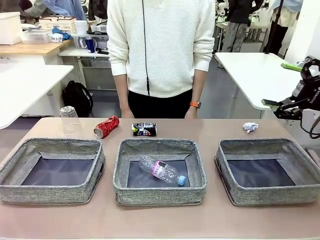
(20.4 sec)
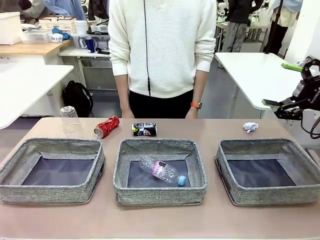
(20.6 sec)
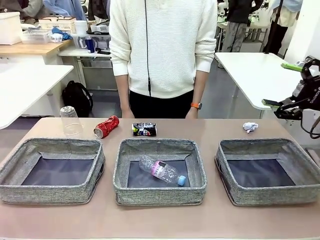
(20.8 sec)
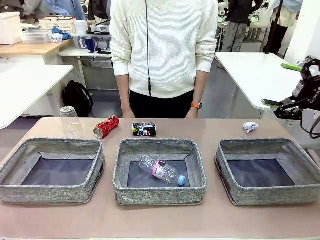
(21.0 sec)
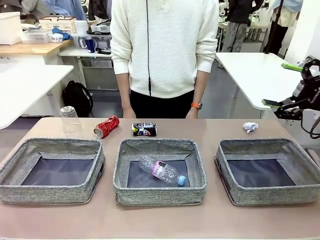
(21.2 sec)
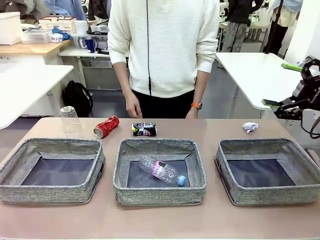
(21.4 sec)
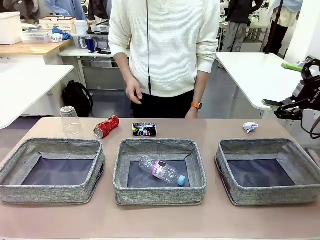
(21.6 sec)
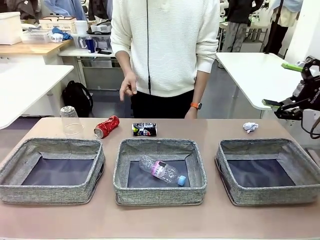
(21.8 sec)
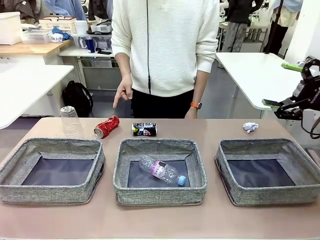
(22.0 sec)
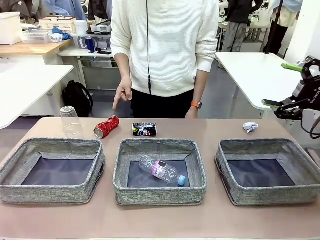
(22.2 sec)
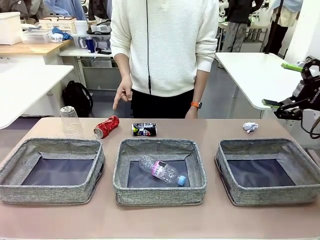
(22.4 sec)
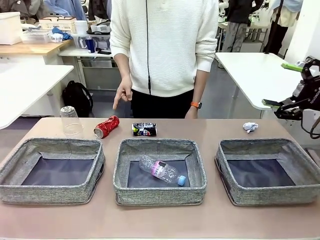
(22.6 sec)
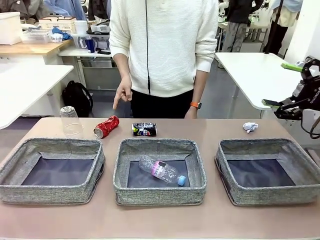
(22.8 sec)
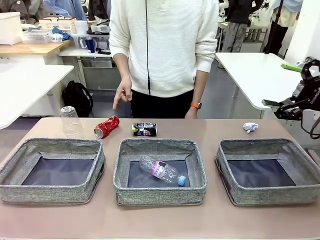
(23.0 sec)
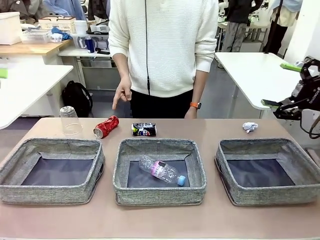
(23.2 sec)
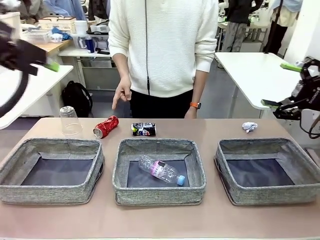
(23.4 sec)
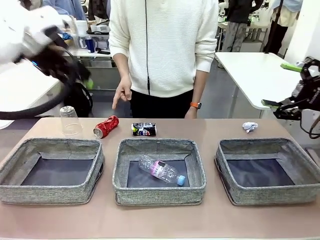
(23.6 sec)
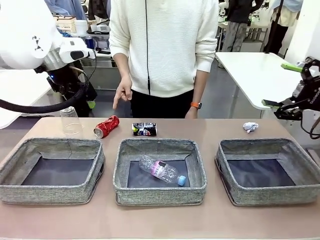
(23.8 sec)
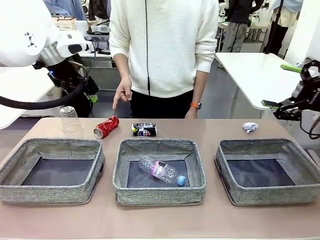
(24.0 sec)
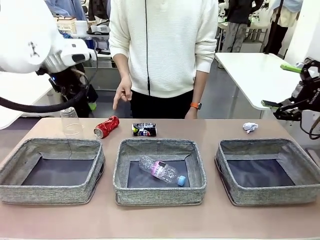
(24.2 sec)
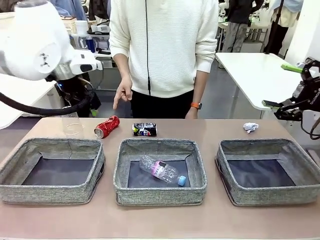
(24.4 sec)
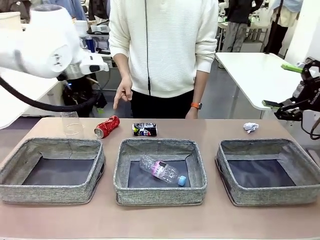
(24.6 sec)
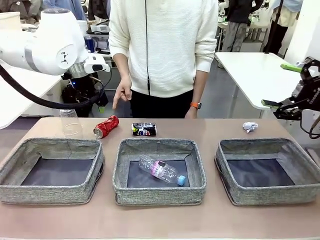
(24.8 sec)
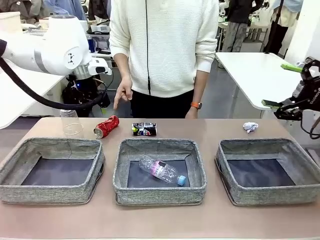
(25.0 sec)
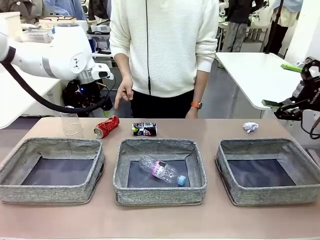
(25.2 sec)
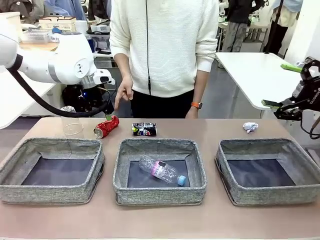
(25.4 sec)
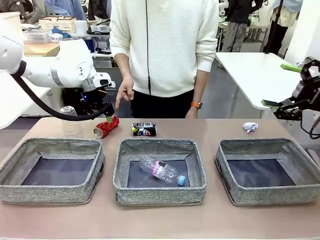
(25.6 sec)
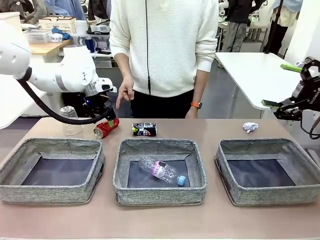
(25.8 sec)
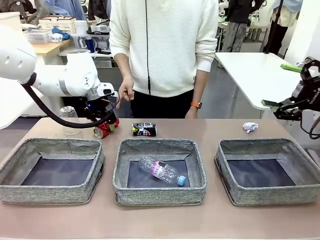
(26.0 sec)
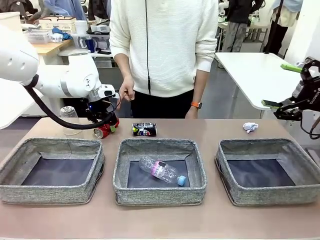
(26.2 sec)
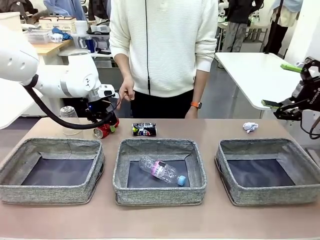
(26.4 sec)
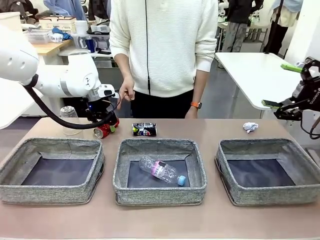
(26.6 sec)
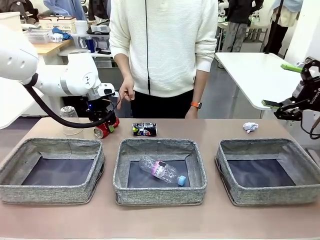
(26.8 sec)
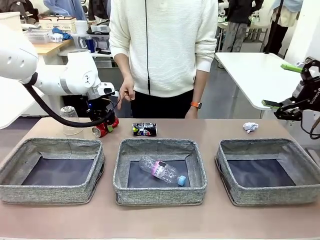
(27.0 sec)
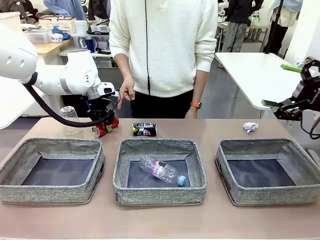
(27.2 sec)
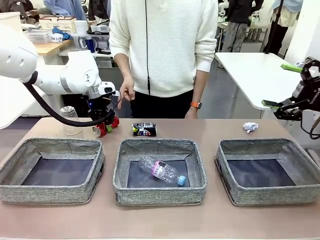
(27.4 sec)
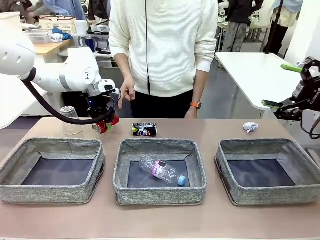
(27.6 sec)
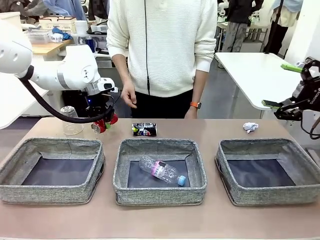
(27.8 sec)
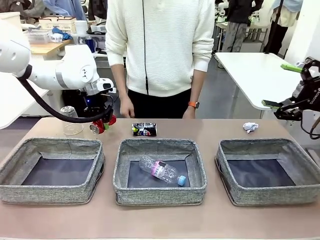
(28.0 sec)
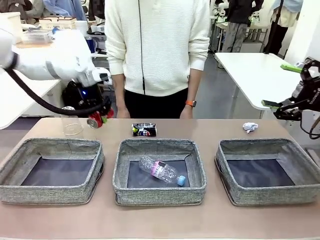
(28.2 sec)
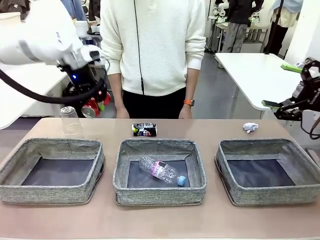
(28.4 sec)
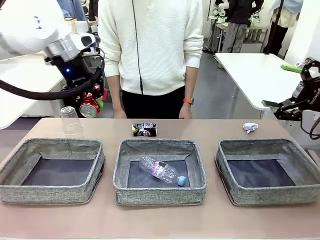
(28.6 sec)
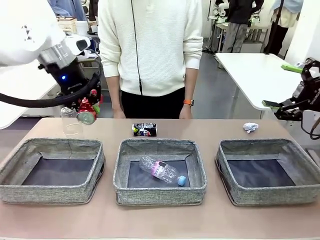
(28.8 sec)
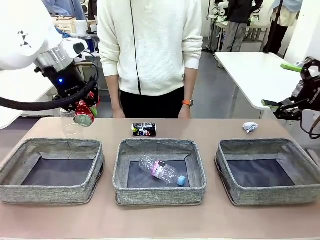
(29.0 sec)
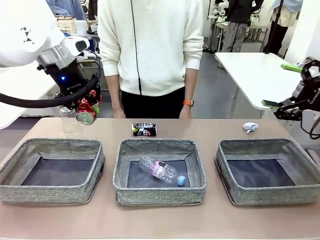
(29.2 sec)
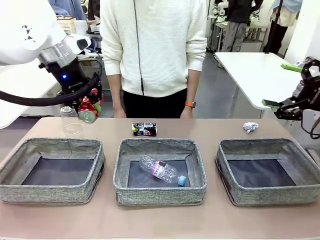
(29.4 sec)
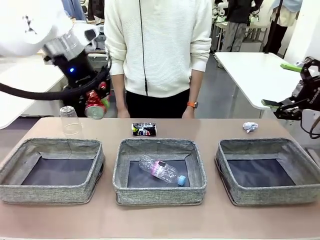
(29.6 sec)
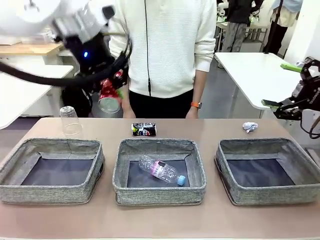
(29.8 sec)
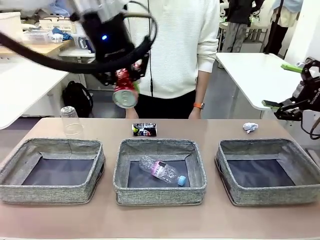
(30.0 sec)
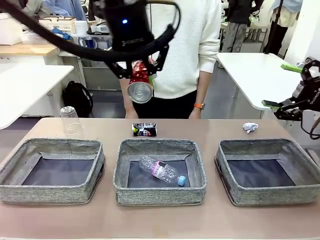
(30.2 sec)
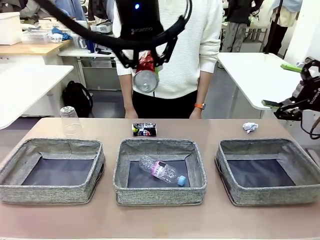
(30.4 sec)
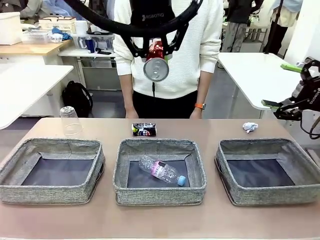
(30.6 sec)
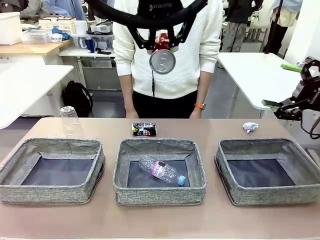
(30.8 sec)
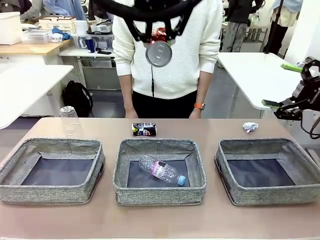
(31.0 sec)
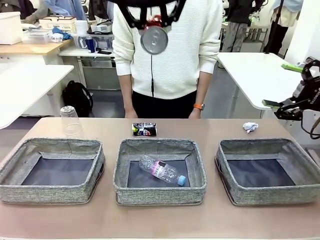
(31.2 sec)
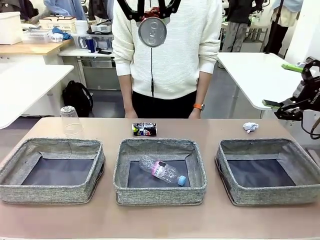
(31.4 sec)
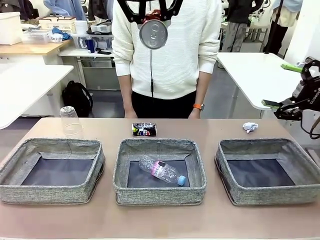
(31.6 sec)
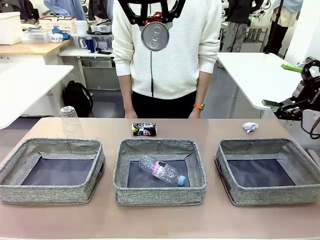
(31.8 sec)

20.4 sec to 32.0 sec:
Task: Sort the waste into the appropriate baskets.
Robot: Pick up the waste item pointed out by the person.
Person: Points to one piece of trash on the table.

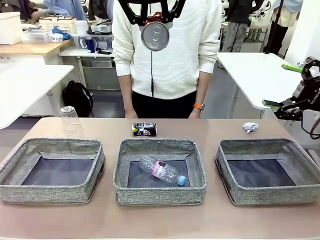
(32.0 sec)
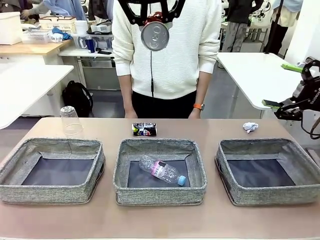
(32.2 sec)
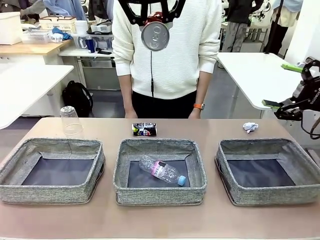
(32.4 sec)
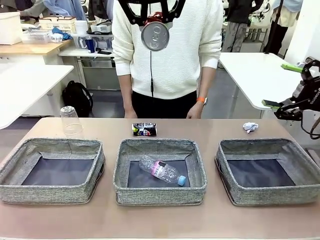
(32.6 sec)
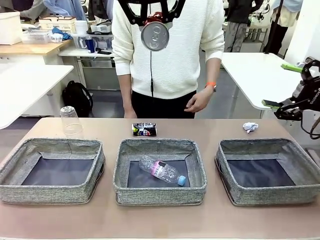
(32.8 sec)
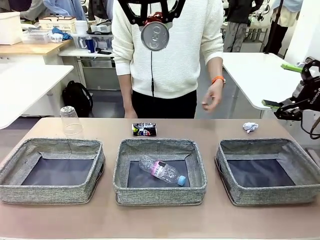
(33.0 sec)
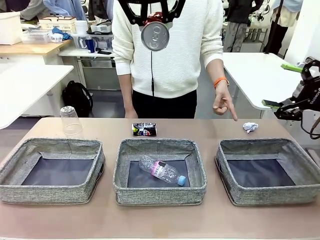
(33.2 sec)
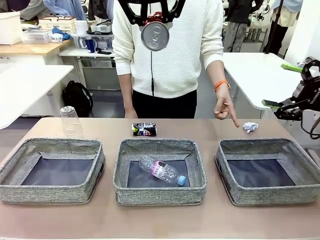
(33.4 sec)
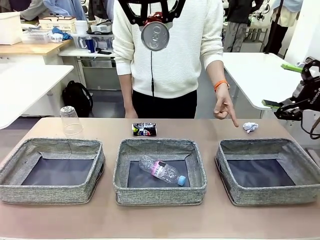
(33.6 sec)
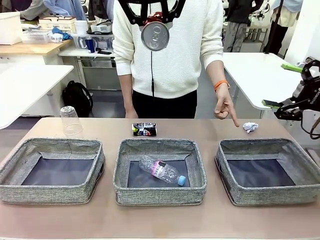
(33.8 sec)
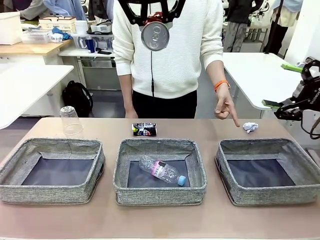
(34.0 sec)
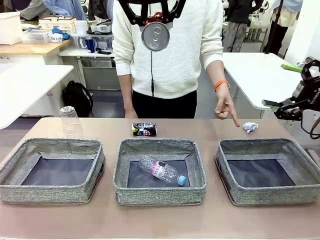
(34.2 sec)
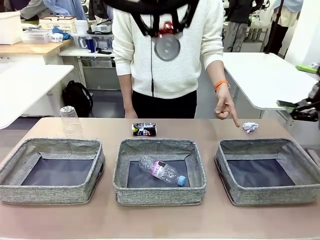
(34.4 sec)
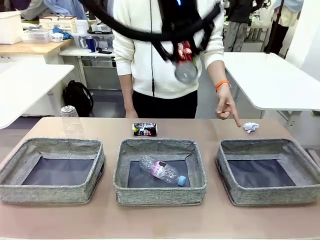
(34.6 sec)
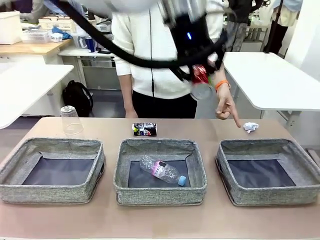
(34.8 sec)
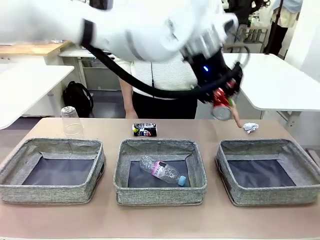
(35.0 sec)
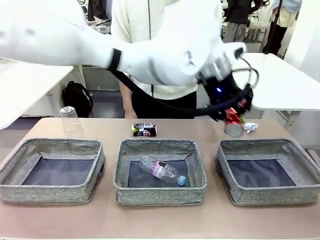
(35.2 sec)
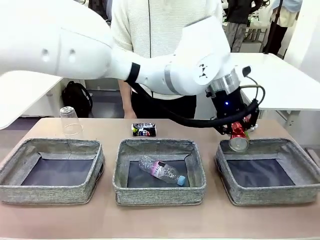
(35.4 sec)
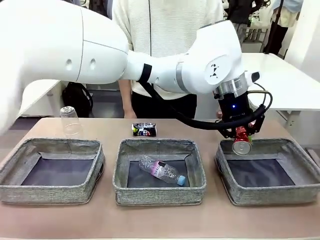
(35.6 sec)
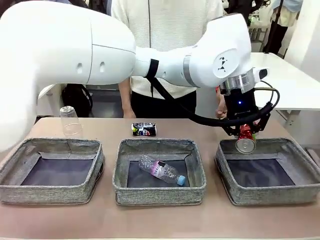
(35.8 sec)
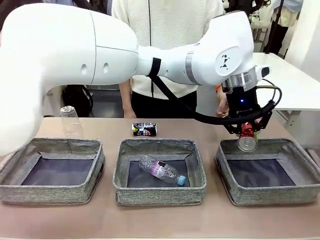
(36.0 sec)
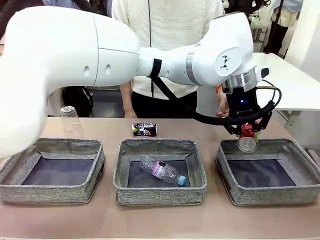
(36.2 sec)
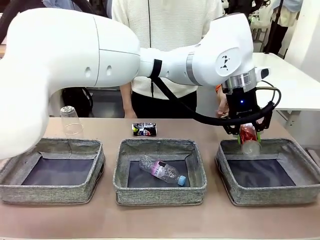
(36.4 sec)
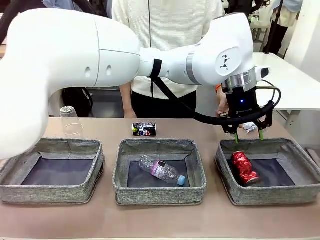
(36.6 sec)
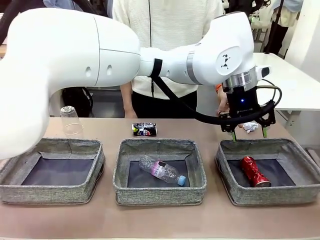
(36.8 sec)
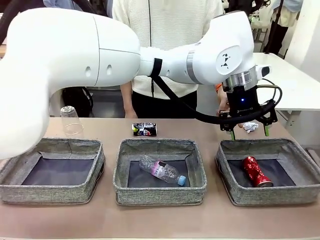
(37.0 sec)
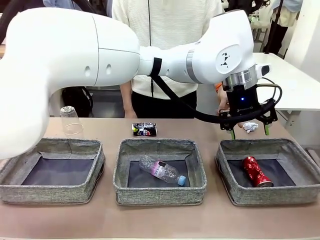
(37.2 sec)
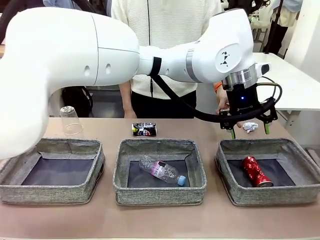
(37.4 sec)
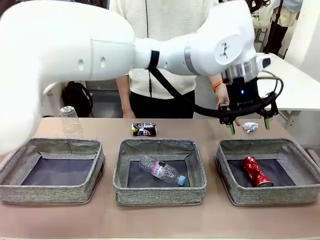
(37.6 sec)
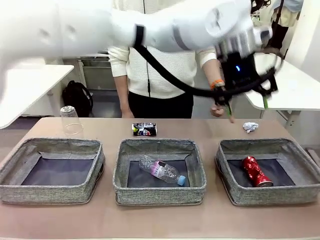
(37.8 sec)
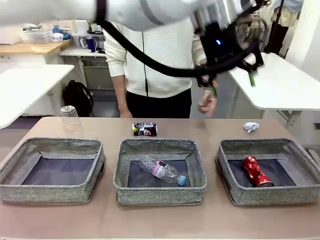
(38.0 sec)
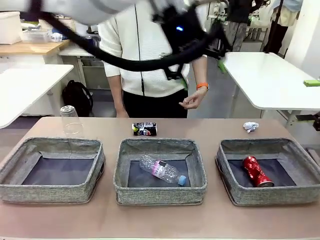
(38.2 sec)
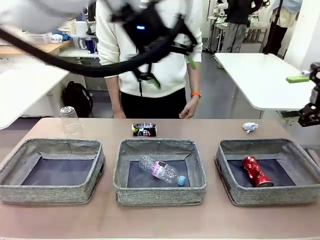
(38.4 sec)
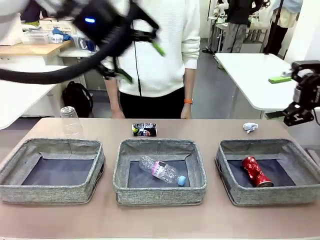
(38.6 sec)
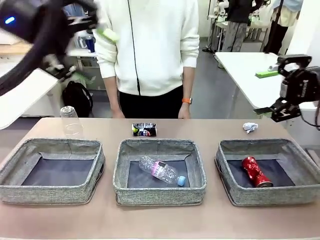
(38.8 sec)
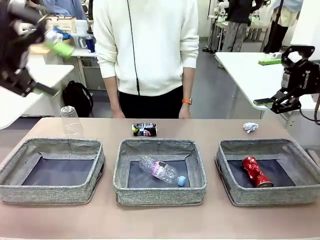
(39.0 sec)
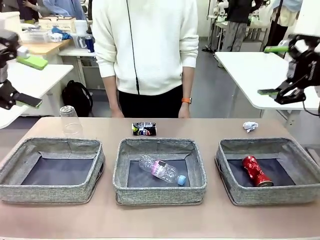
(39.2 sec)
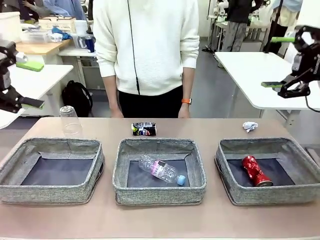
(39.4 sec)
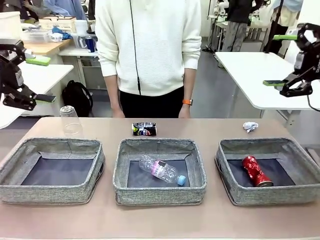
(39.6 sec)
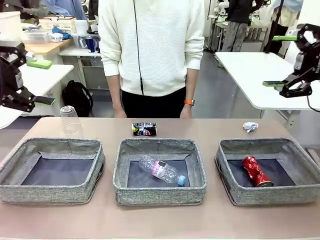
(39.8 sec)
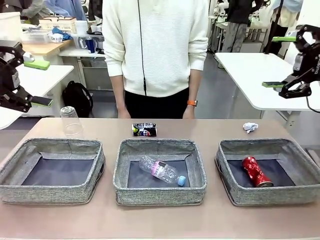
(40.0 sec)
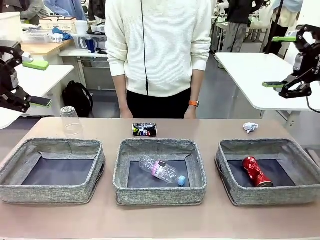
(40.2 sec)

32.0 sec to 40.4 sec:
Robot: Place the picked waste into the Fabric basket indicated by the person.
Person: Instructs the robot to place the picked-up trash into the appropriate organizing basket.
